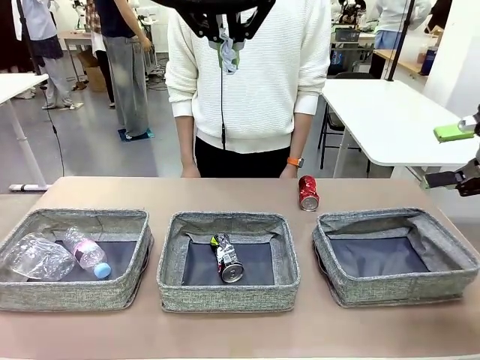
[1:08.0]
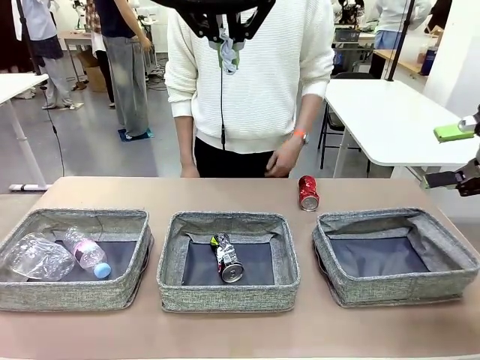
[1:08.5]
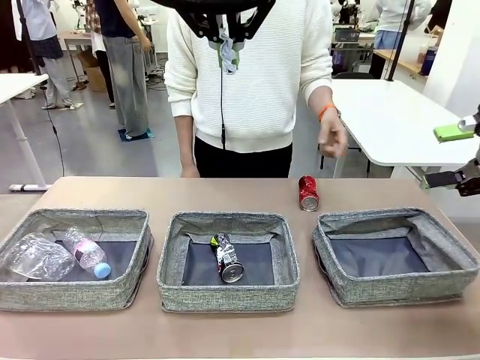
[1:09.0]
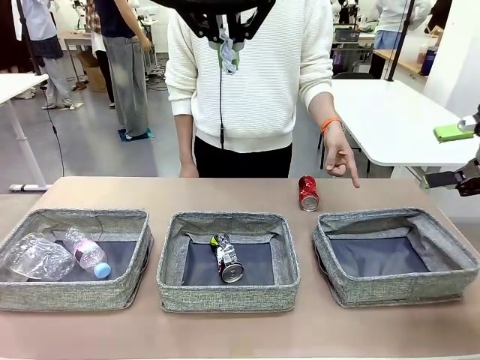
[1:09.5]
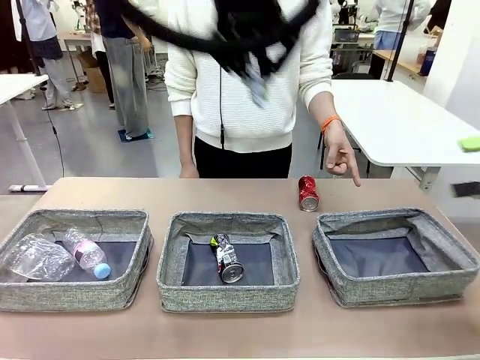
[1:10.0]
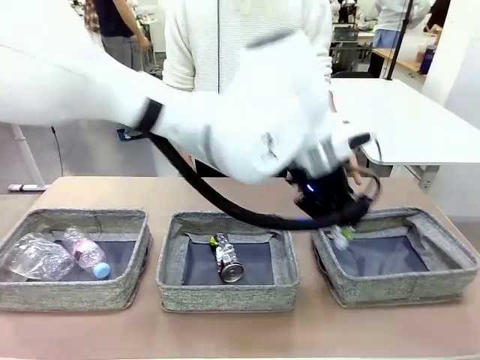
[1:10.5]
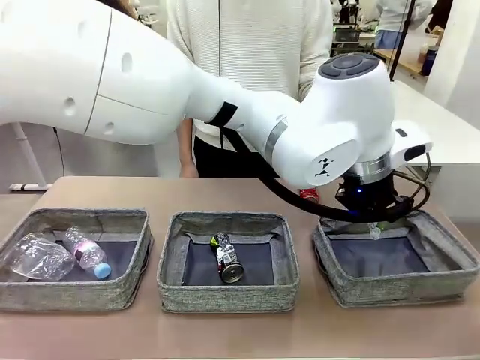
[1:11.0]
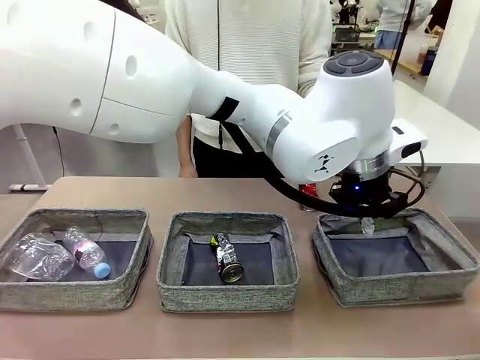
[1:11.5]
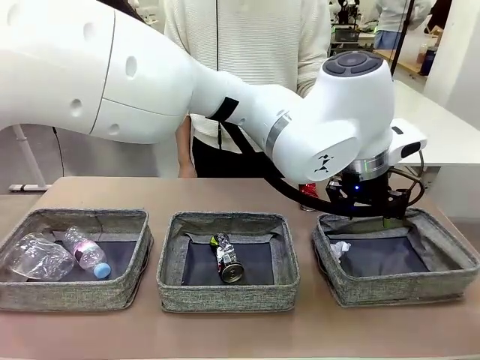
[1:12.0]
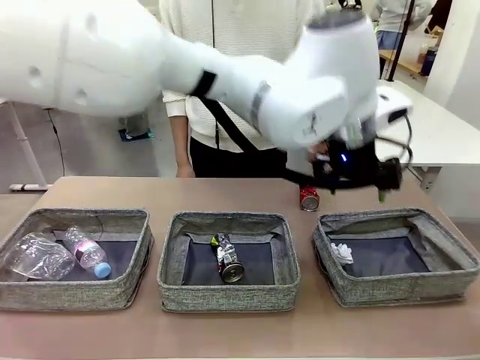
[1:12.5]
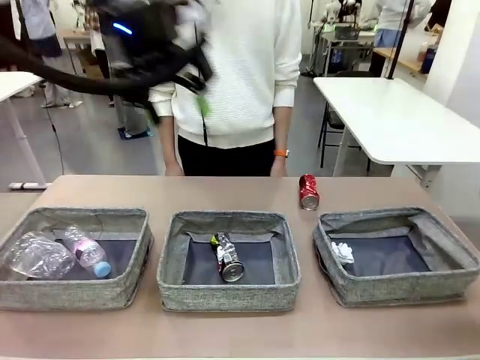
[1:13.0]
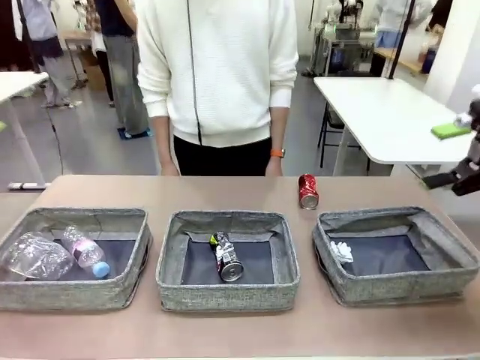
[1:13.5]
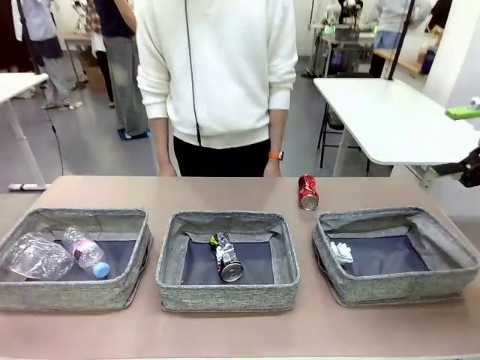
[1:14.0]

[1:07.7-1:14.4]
Task: Sort the waste into the appropriate baskets.
Robot: Place the picked waste into the Fabric basket indicated by the person.
Person: Instructs the robot to place the picked-up trash into the appropriate organizing basket.

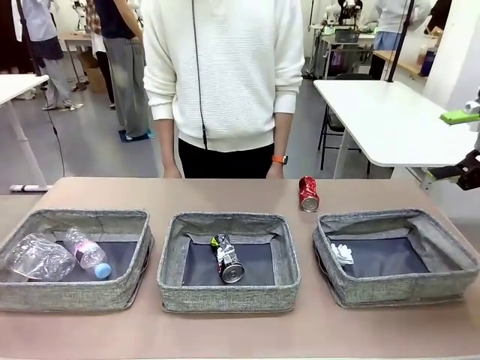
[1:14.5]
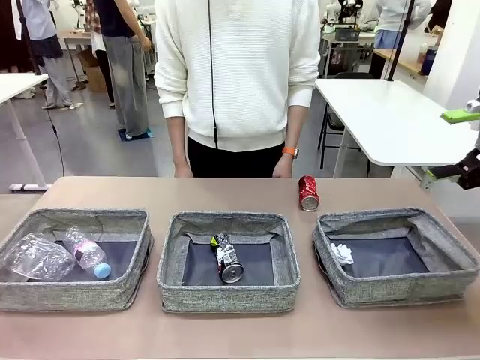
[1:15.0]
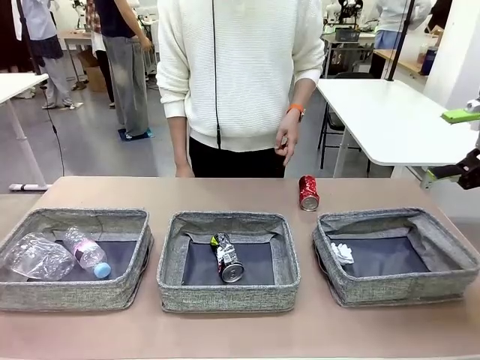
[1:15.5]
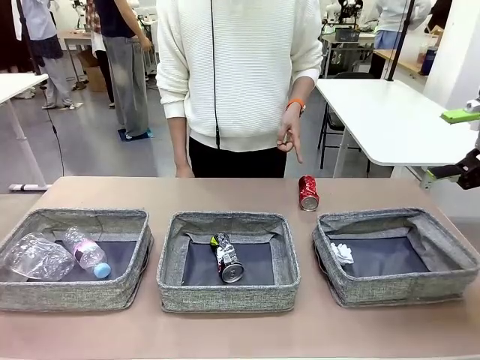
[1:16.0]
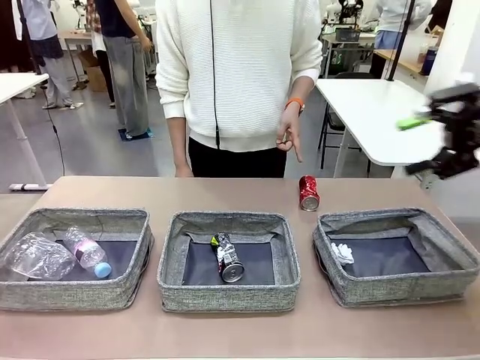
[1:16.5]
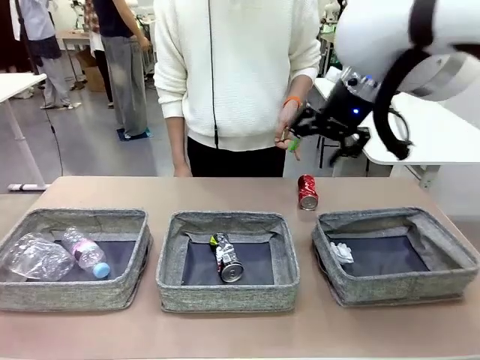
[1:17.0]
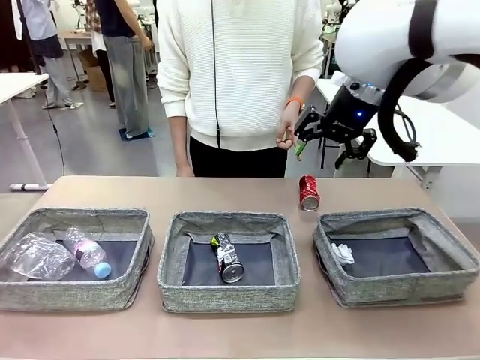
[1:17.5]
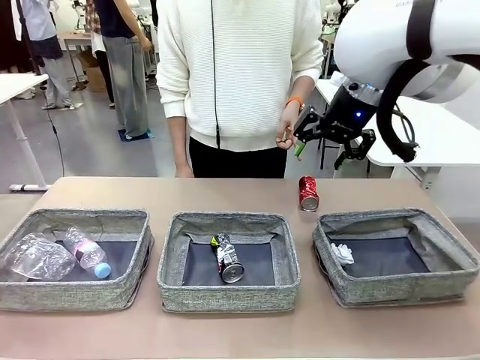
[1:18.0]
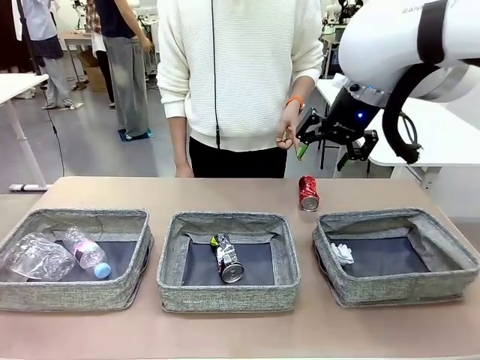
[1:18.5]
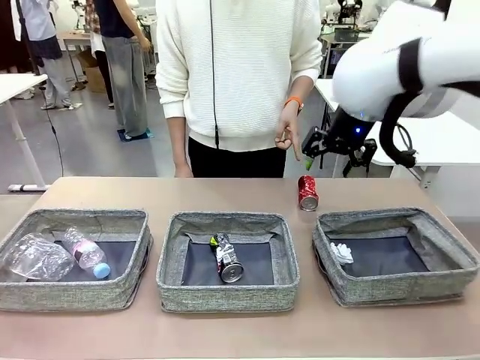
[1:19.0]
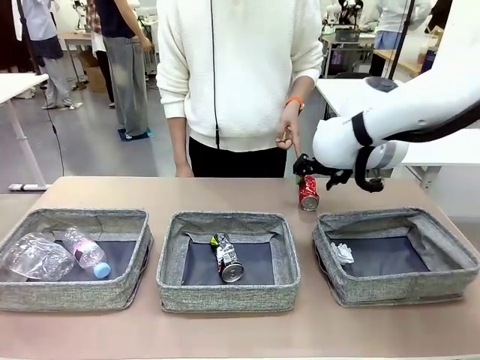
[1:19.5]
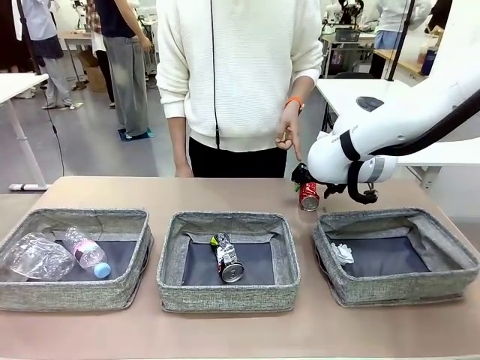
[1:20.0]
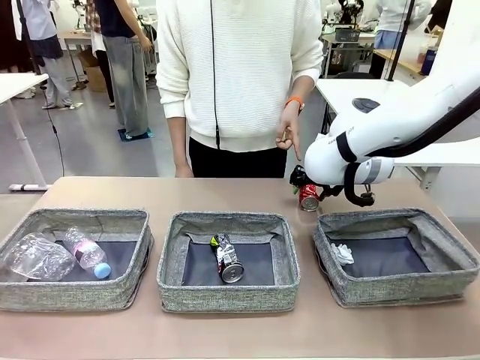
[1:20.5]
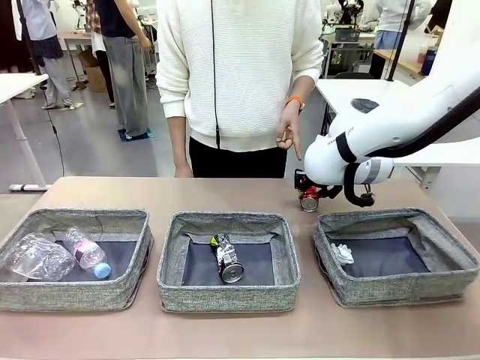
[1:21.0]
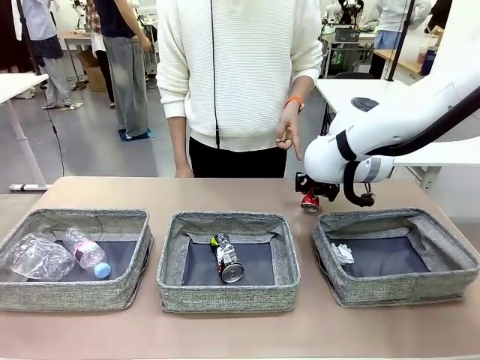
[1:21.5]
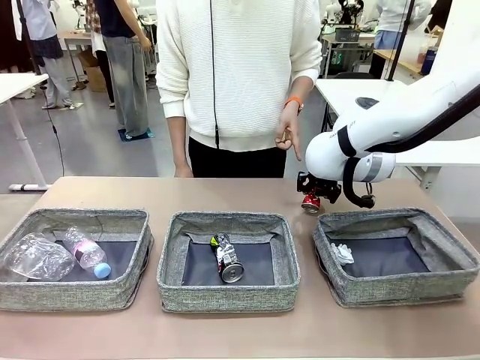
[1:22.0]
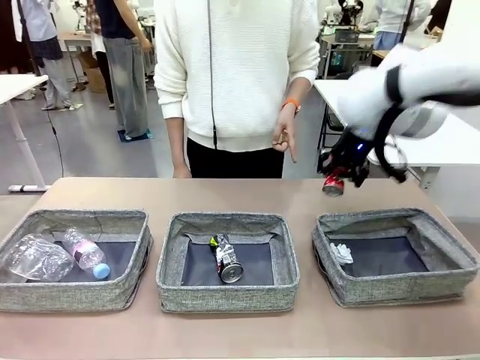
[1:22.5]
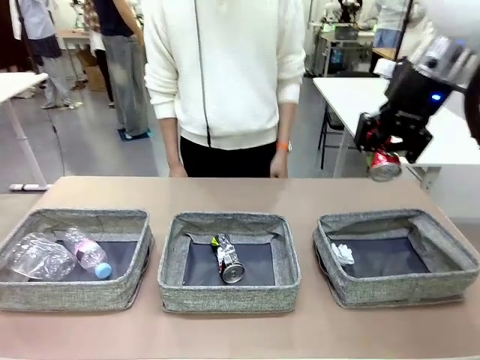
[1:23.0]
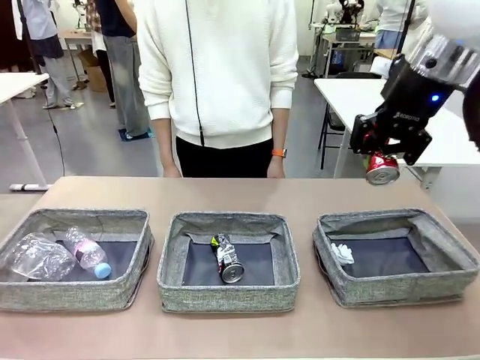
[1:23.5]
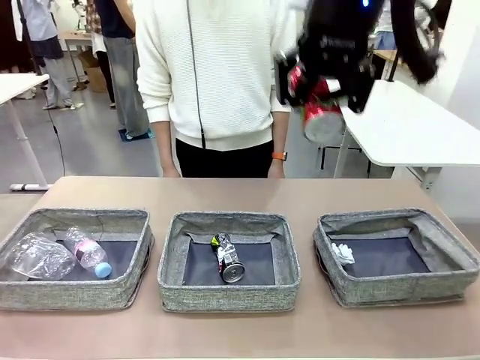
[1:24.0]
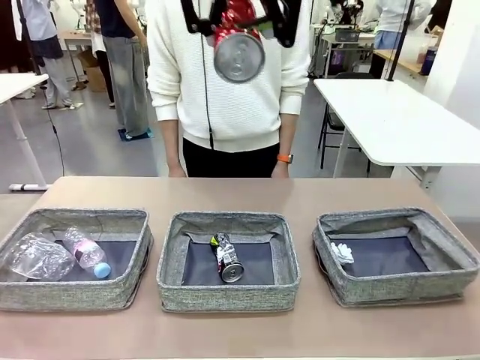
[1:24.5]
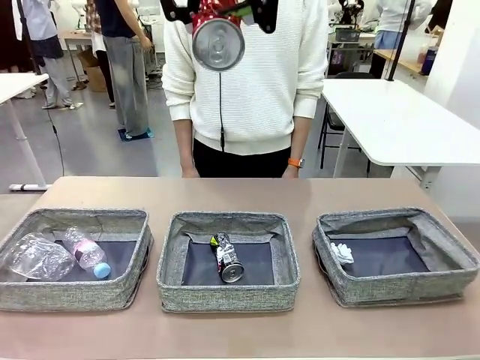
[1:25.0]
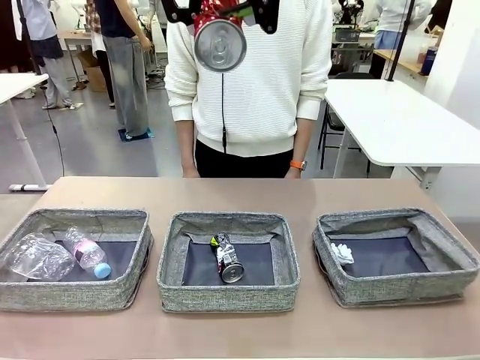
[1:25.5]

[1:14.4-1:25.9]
Robot: Pick up the waste item pointed out by the person.
Person: Points to one piece of trash on the table.

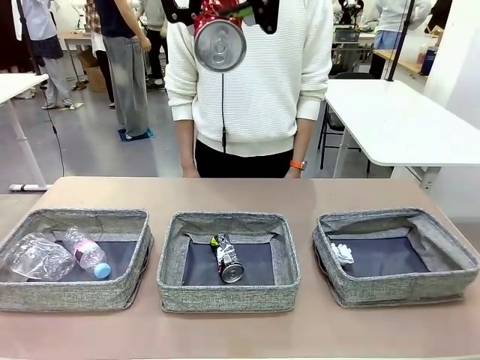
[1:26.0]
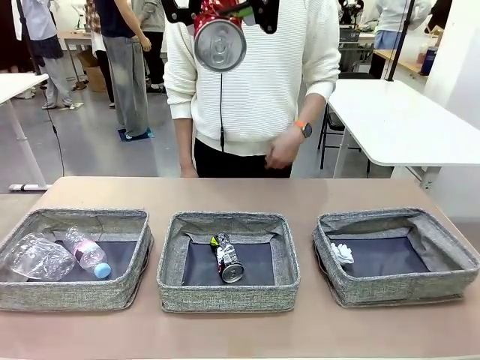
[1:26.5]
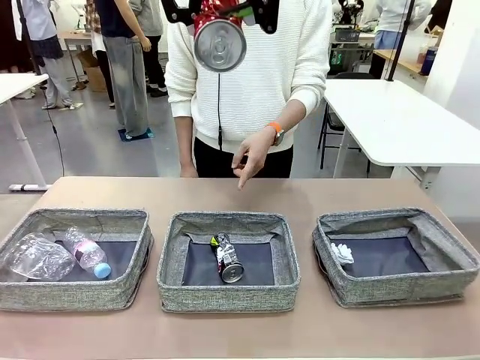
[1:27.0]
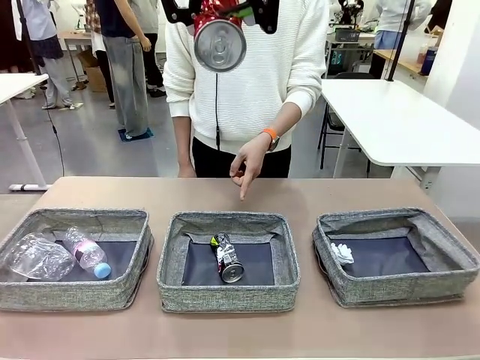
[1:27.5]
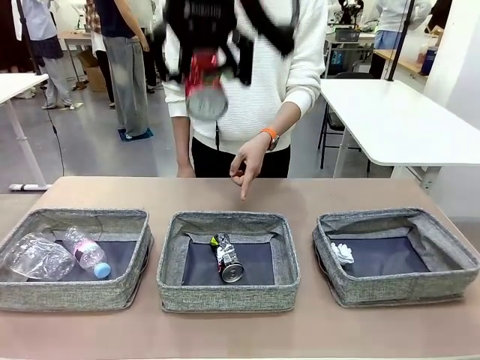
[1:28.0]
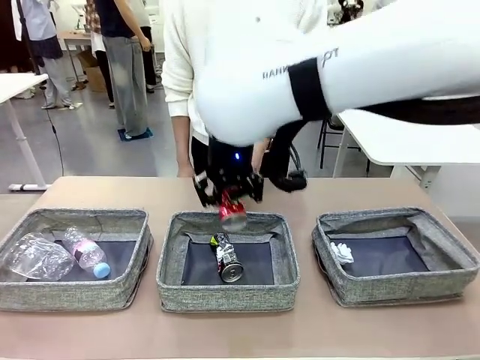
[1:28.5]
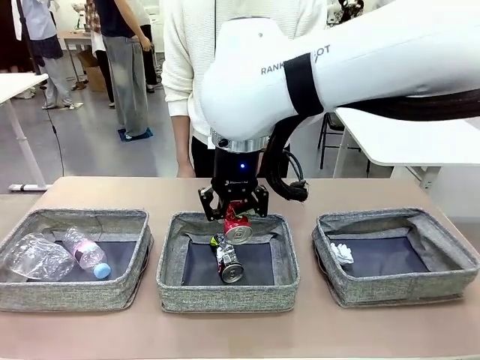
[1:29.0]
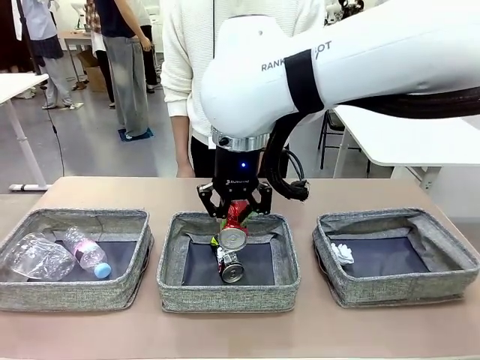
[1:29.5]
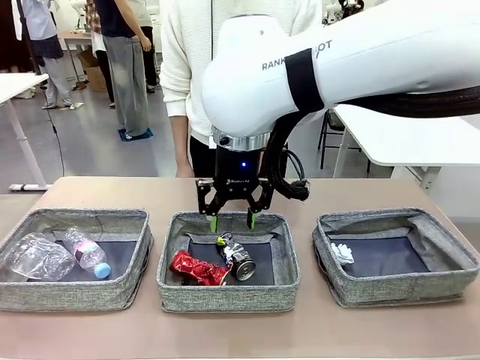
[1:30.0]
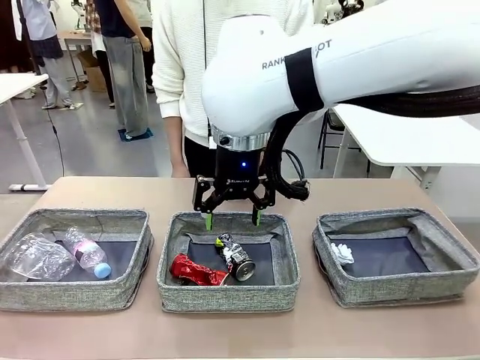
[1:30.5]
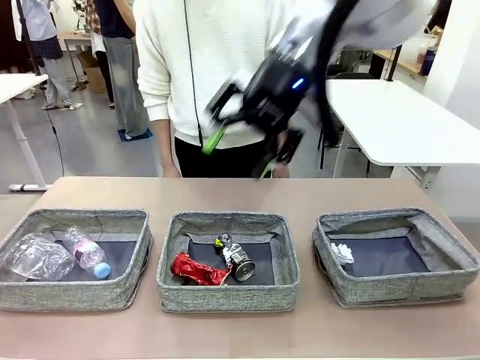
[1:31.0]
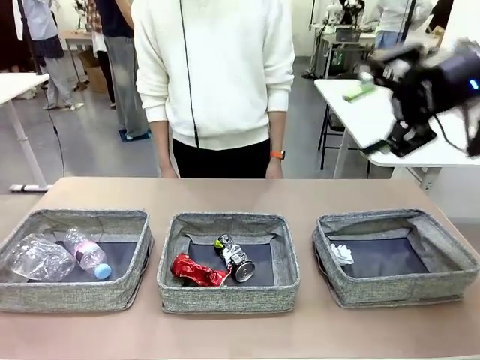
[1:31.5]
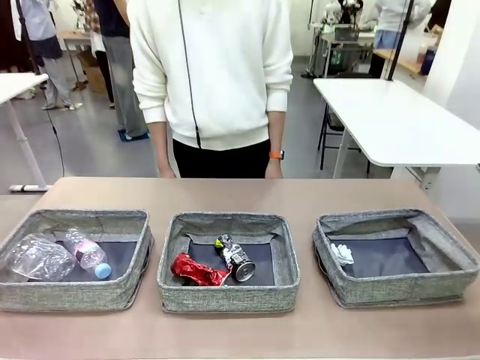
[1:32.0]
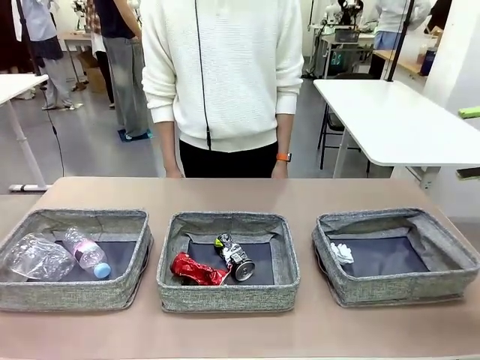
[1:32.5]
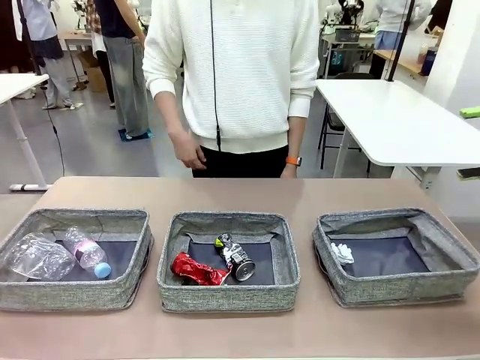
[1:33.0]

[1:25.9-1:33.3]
Robot: Place the picked waste into the Fabric basket indicated by the person.
Person: Instructs the robot to place the picked-up trash into the appropriate organizing basket.
